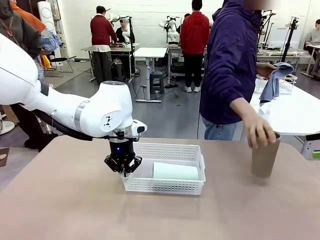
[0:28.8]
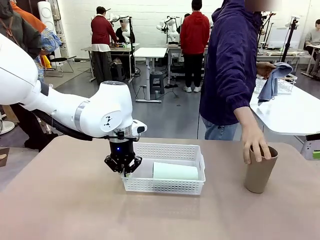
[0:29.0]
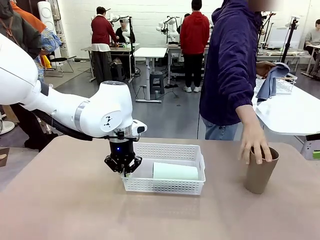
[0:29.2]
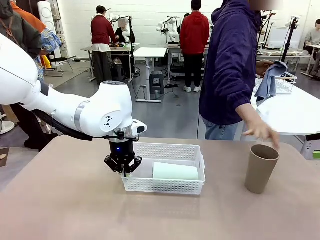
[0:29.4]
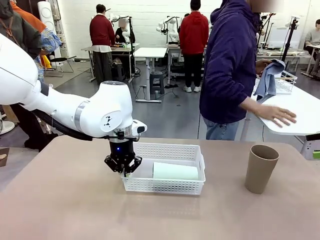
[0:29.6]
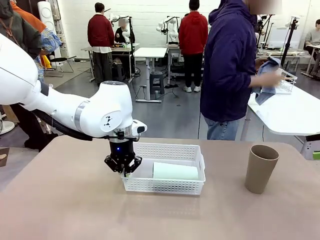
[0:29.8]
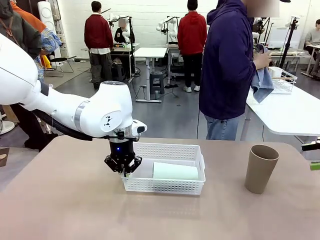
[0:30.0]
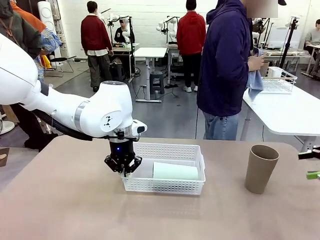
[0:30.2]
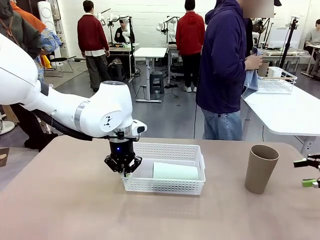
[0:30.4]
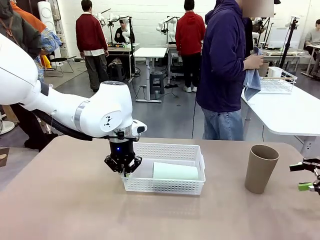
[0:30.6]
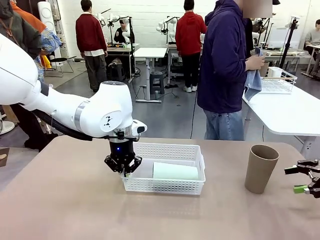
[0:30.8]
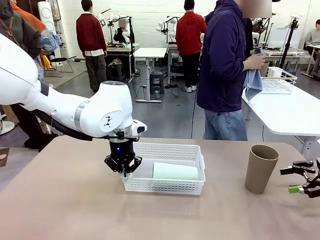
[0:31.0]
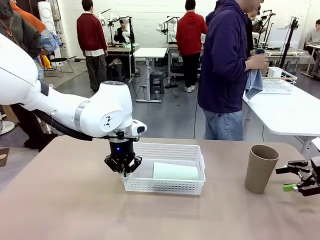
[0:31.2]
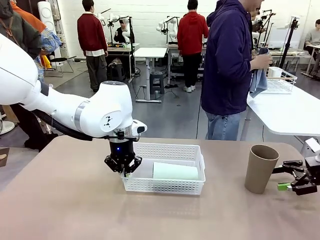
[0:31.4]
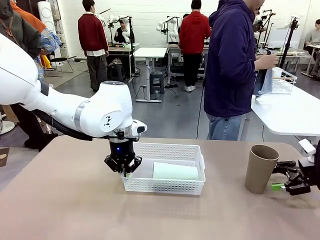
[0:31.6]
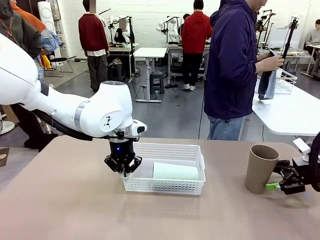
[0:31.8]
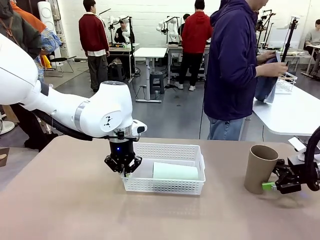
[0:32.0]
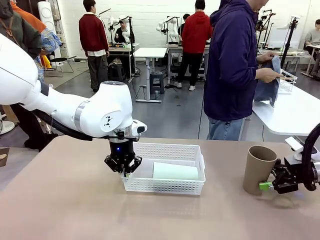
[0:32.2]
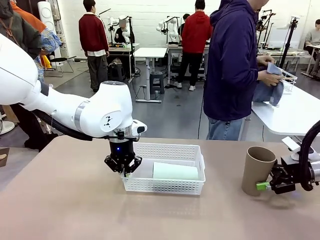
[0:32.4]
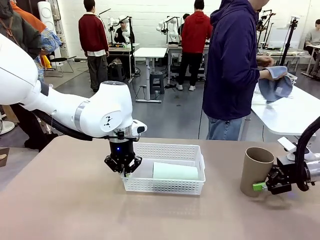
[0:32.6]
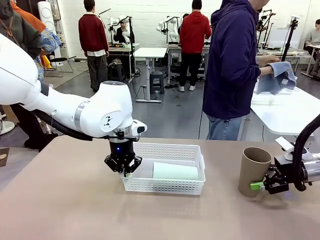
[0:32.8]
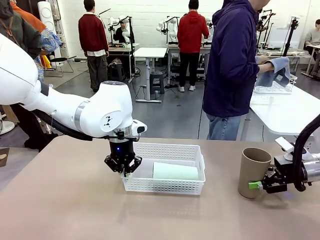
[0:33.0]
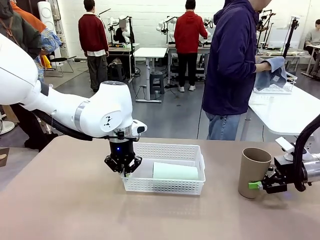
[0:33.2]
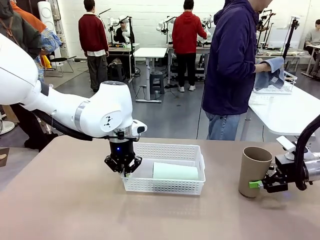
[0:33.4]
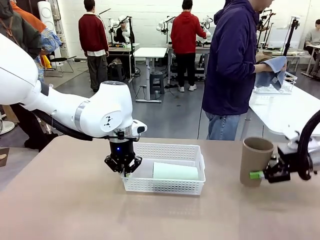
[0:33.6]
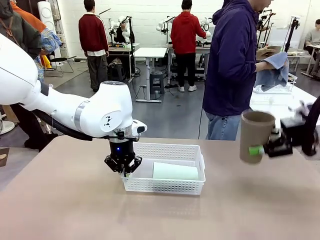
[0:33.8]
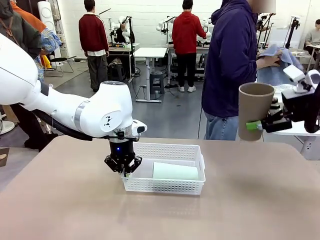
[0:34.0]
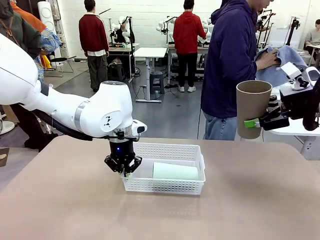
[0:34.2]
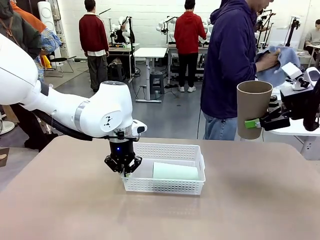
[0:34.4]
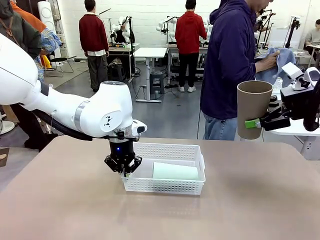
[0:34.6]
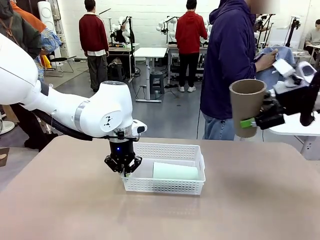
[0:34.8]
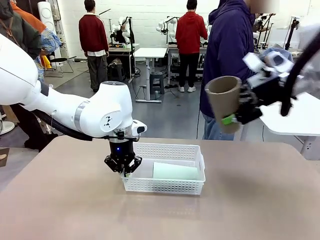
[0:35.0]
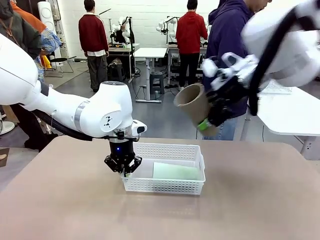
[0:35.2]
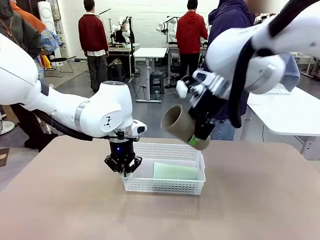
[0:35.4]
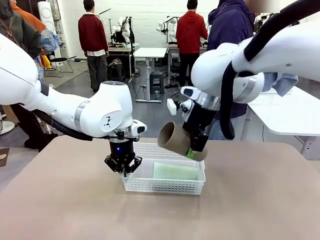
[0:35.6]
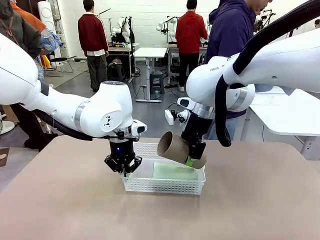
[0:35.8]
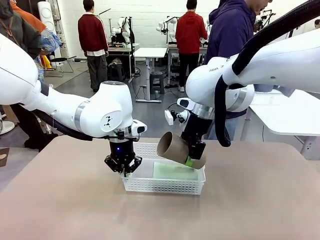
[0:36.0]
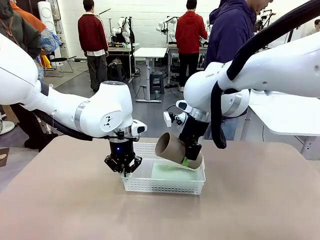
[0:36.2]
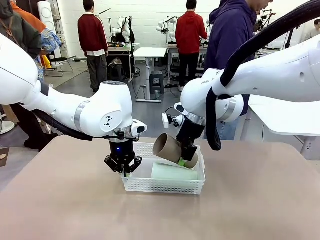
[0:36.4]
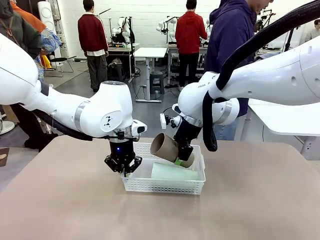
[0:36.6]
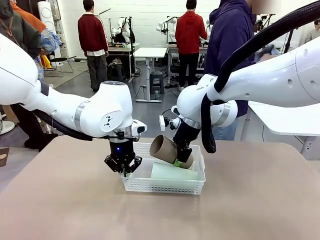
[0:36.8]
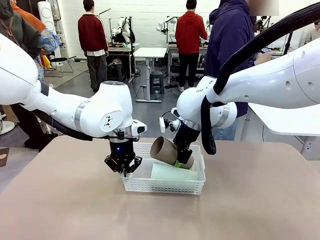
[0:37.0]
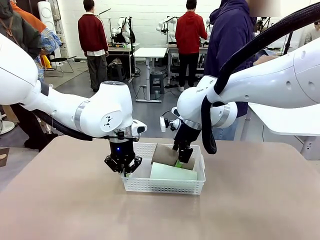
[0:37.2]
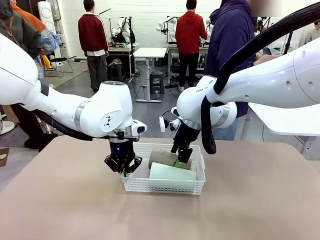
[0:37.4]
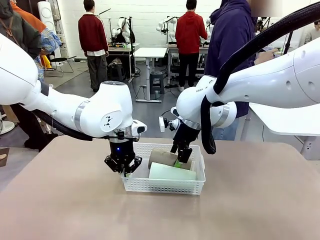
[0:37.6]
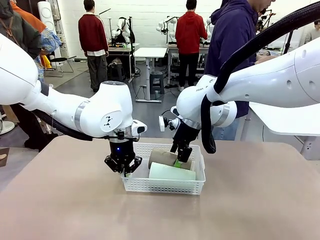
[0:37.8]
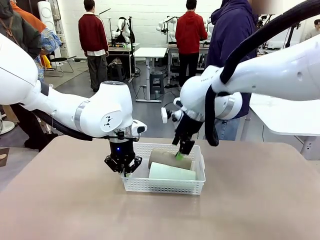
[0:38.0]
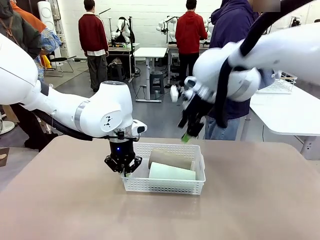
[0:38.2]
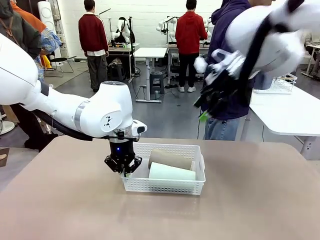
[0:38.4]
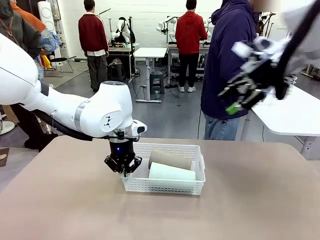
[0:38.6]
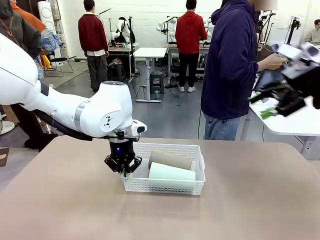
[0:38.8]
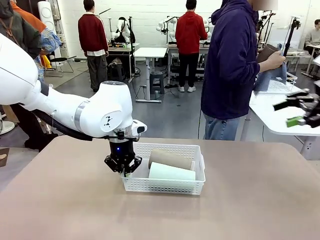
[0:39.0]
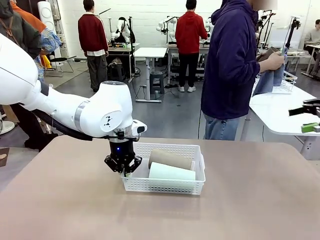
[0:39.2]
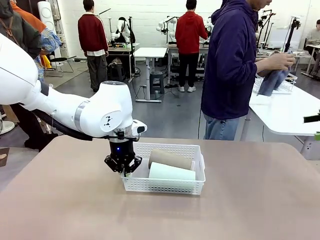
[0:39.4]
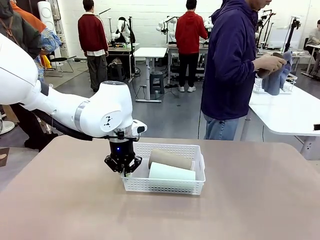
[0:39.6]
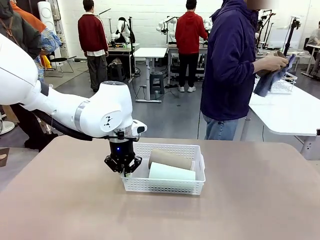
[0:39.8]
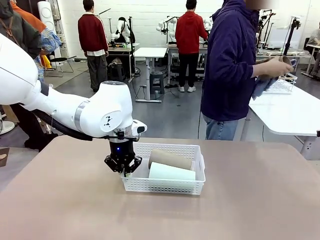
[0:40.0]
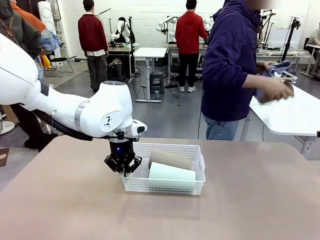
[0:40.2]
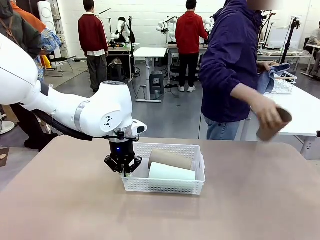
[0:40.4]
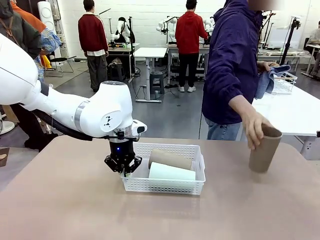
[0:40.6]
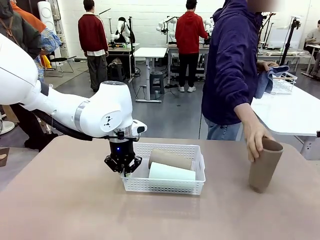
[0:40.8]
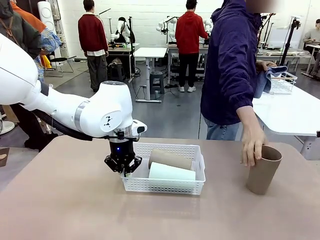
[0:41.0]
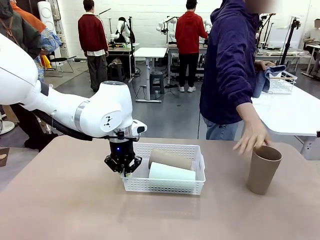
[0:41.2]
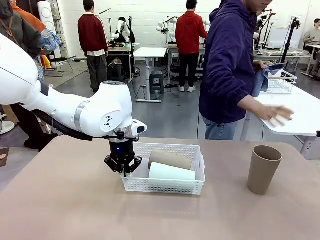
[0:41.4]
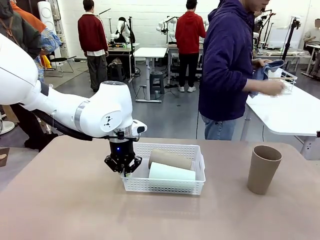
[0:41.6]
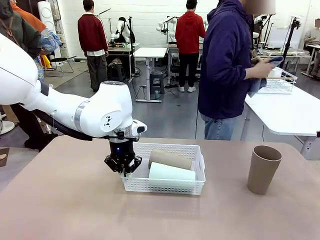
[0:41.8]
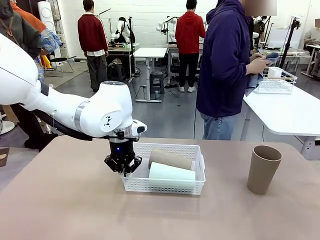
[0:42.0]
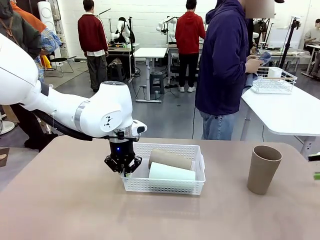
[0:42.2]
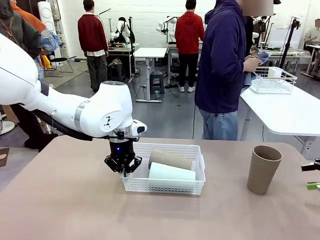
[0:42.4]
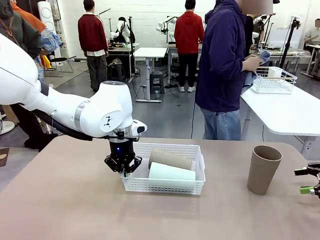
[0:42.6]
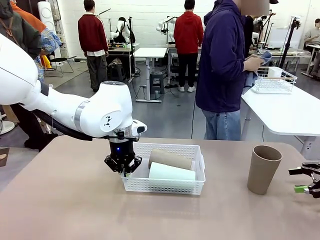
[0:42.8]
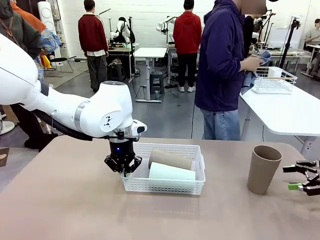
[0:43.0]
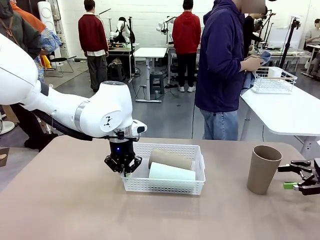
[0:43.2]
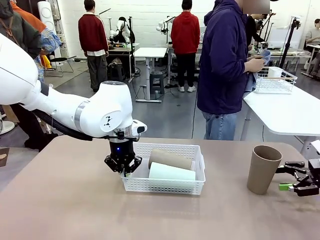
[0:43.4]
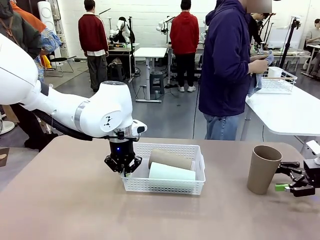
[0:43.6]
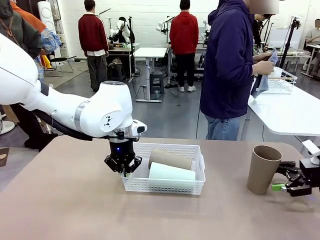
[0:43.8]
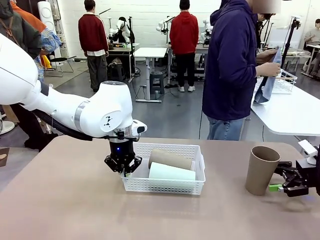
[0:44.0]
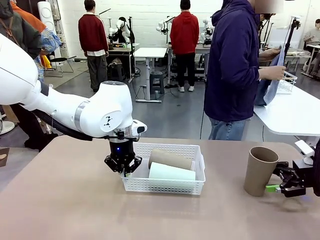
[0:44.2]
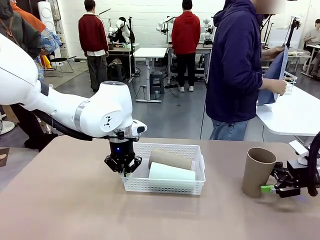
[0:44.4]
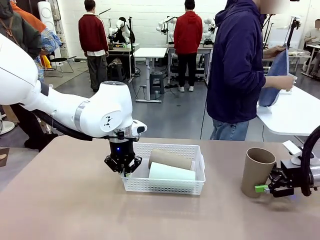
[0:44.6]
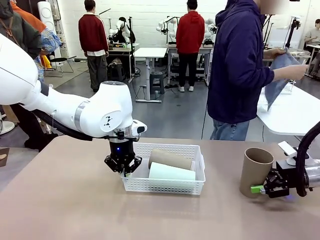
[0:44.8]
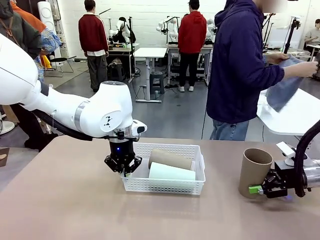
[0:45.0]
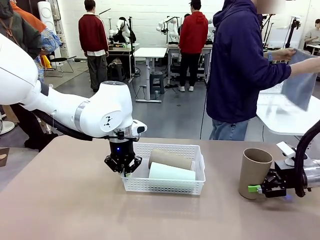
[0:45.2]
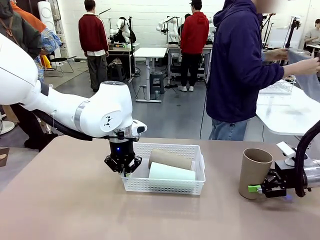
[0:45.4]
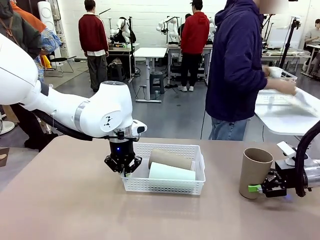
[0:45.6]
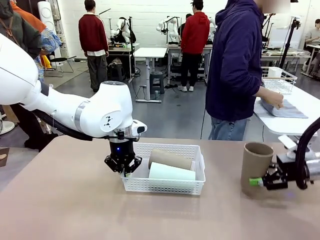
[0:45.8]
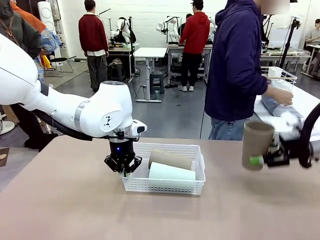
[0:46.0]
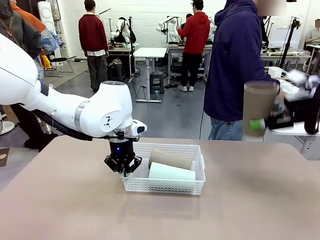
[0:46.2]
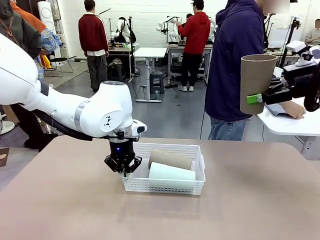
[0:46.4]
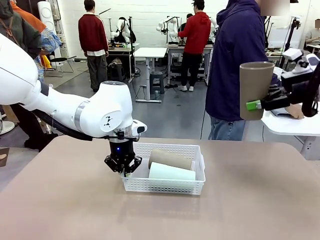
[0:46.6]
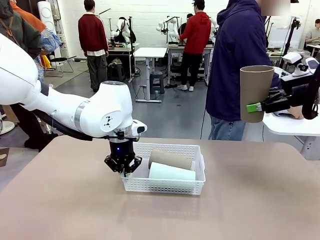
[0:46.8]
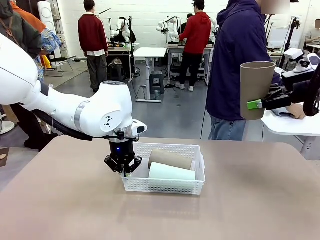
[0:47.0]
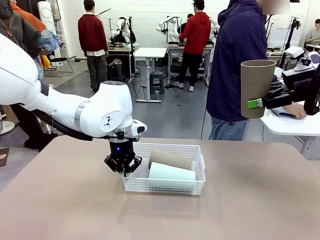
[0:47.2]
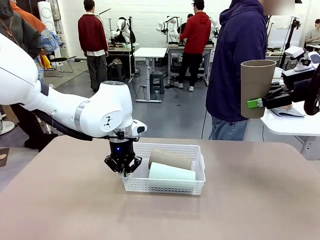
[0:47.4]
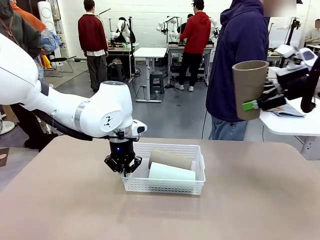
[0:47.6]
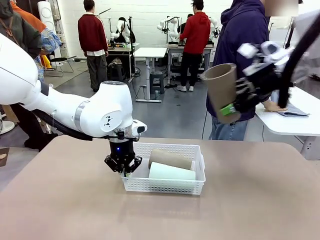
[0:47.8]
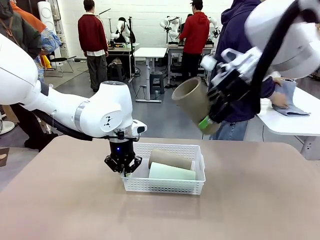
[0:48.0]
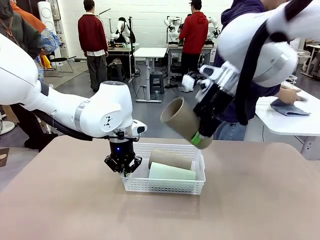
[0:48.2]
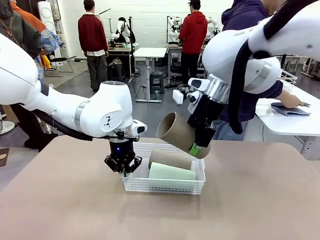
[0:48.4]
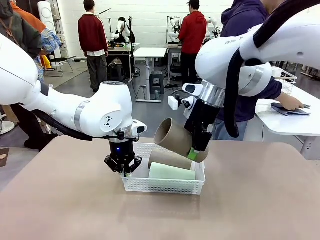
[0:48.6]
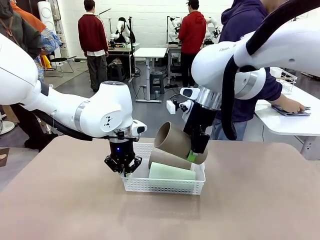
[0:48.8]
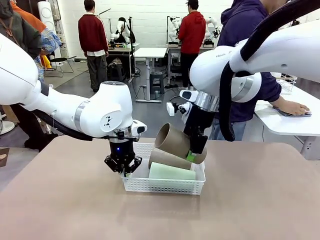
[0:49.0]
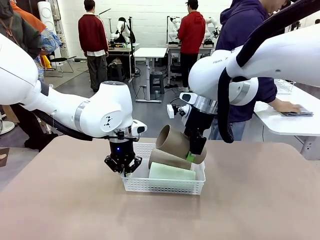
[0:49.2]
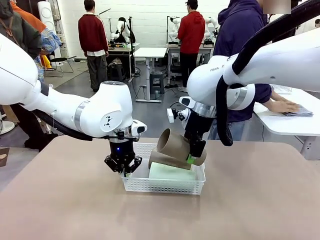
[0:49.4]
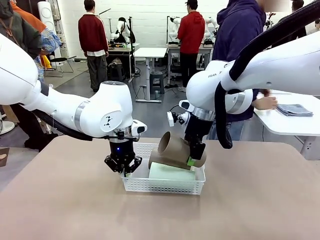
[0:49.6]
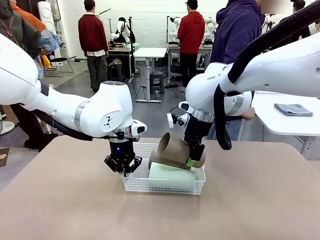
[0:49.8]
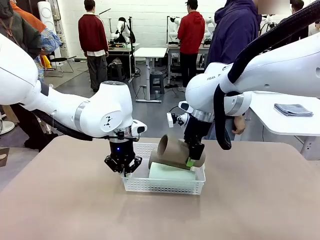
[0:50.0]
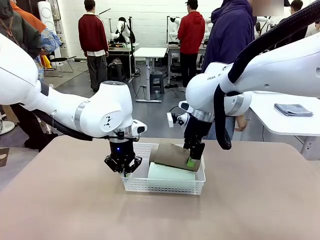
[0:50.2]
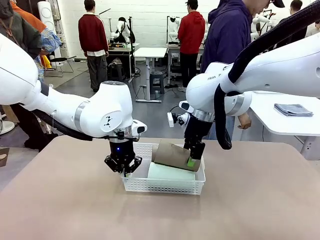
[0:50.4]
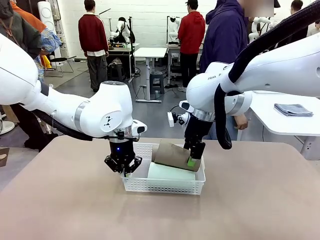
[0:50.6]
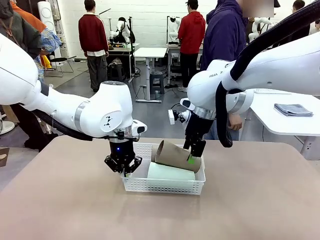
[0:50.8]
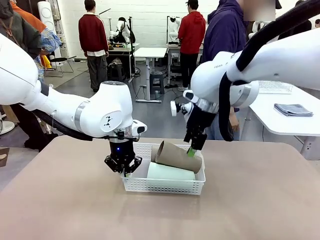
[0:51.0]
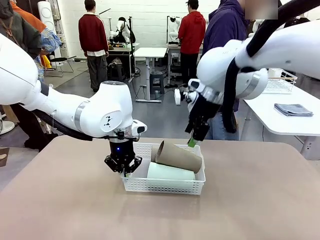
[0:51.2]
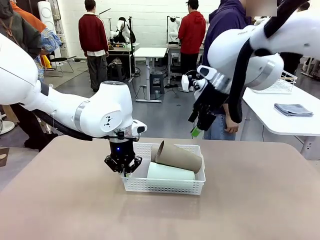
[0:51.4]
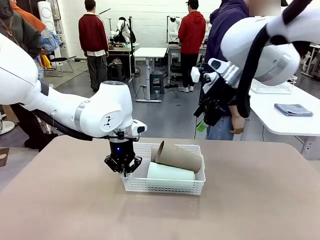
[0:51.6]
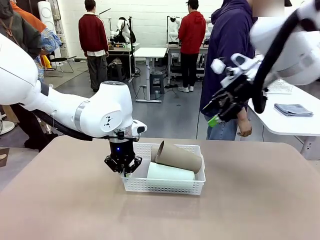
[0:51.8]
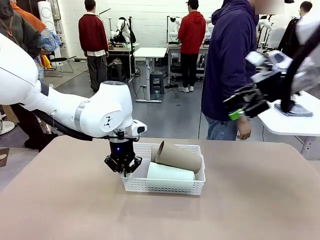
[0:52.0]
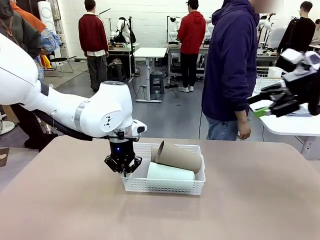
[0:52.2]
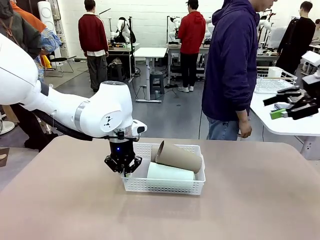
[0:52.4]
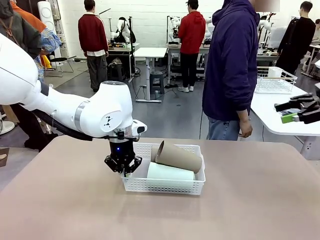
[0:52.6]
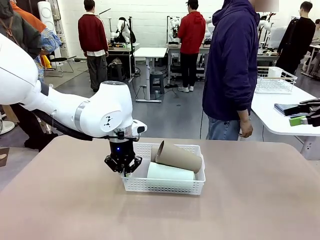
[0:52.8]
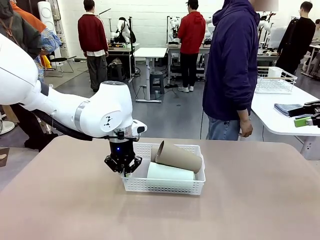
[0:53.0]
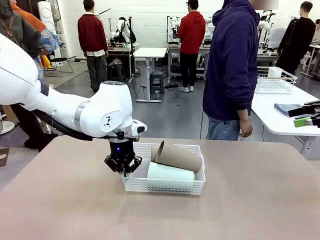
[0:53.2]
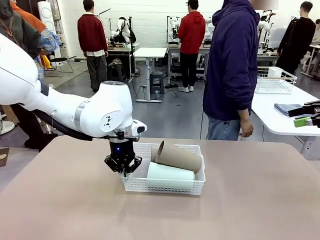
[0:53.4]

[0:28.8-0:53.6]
Task: Clean and organize the cups into the basket.
Robot: Pick up the Reusable plastic cup from the right side of the table and stack it inside the Organizing basket in the center of the table.
